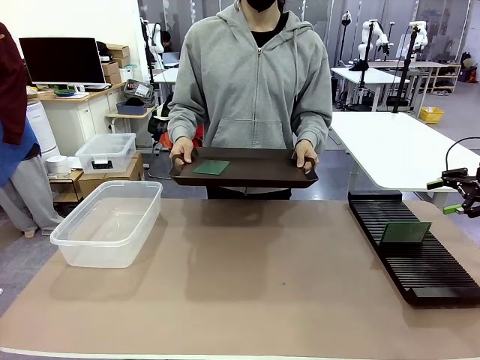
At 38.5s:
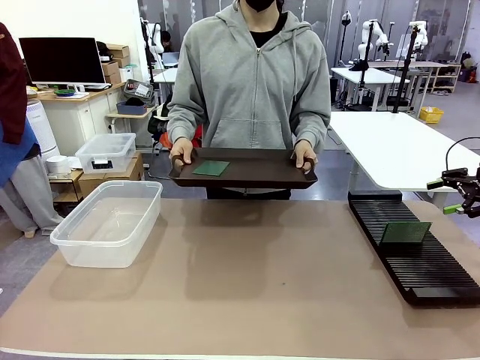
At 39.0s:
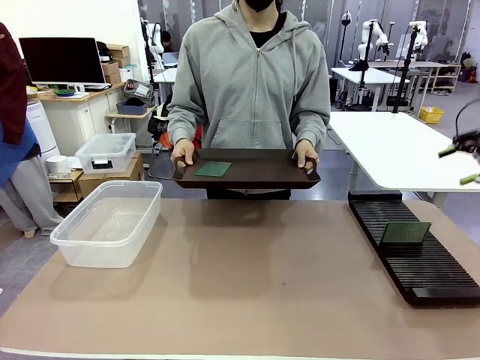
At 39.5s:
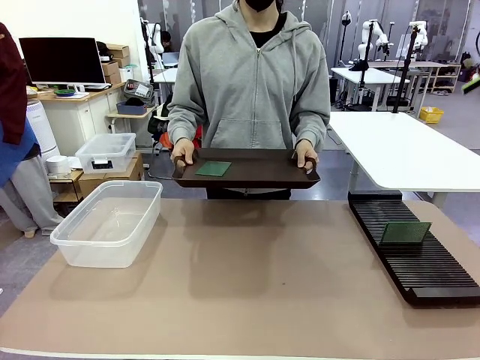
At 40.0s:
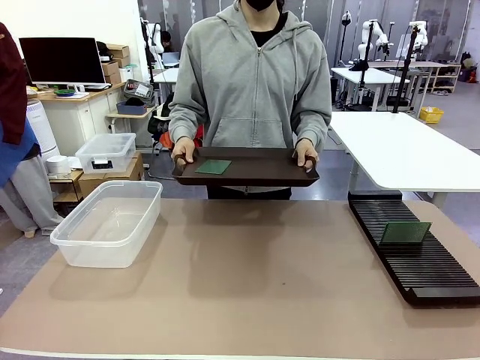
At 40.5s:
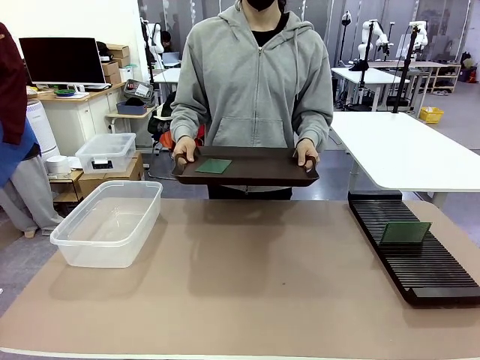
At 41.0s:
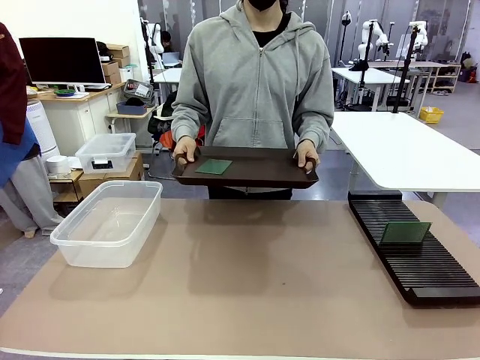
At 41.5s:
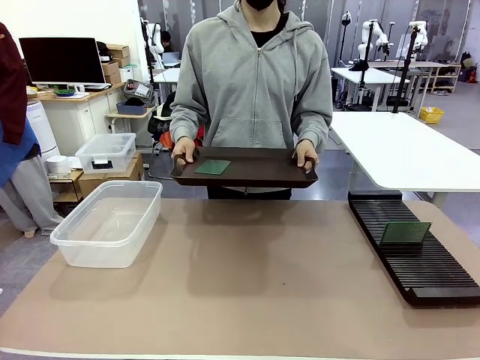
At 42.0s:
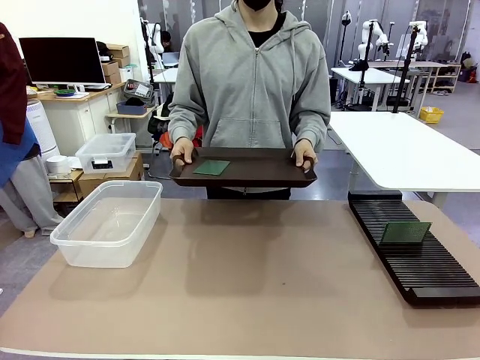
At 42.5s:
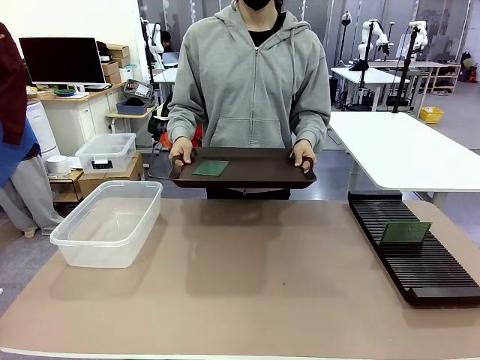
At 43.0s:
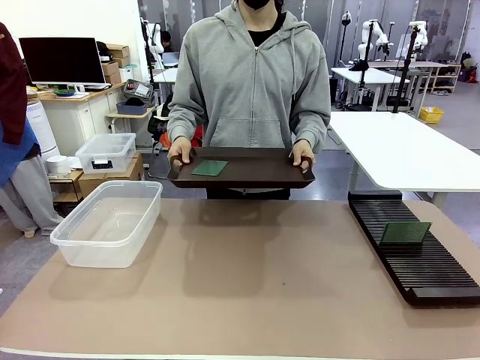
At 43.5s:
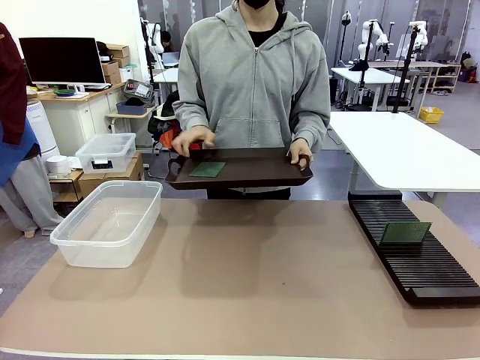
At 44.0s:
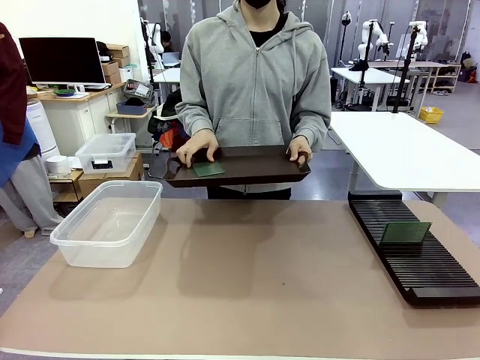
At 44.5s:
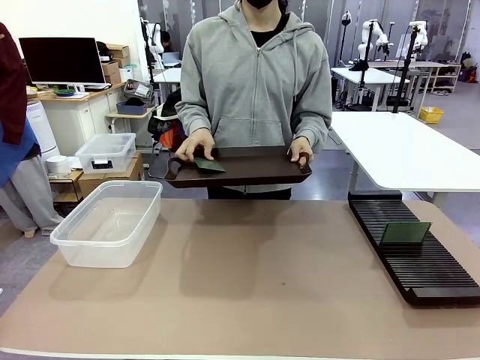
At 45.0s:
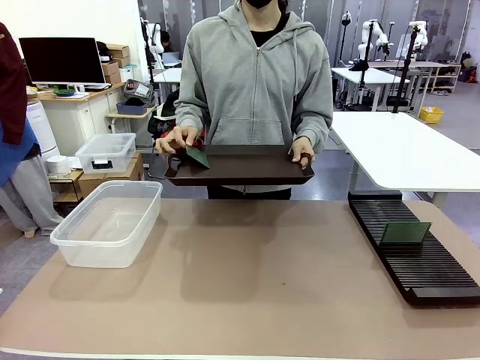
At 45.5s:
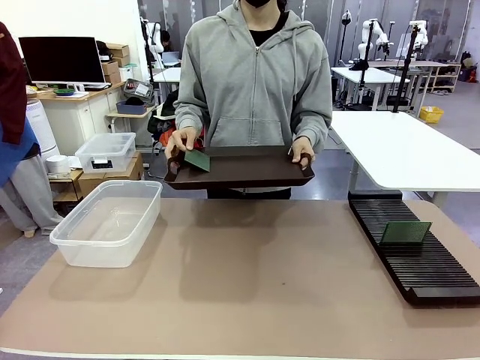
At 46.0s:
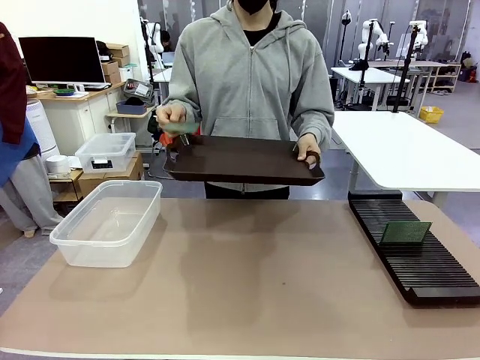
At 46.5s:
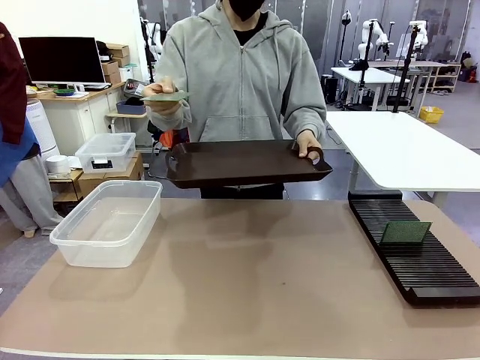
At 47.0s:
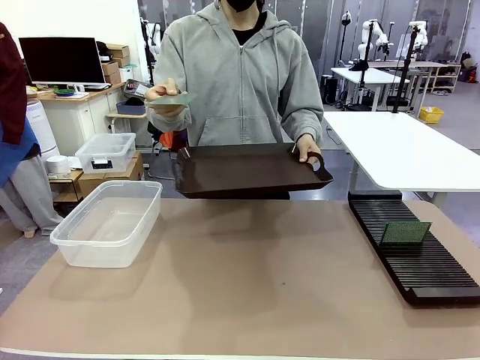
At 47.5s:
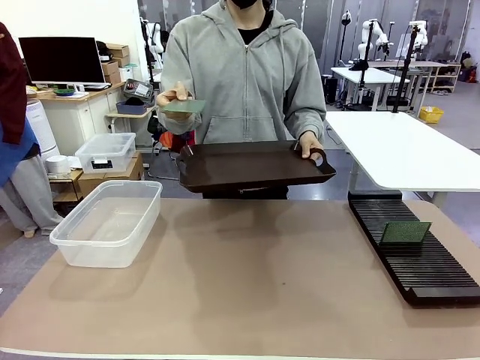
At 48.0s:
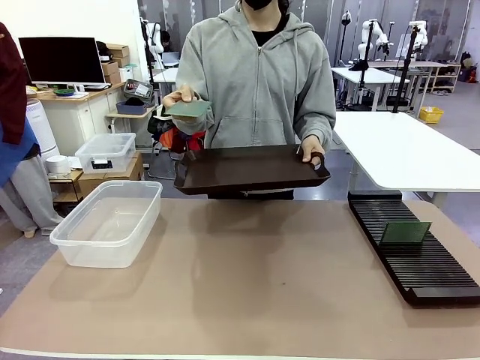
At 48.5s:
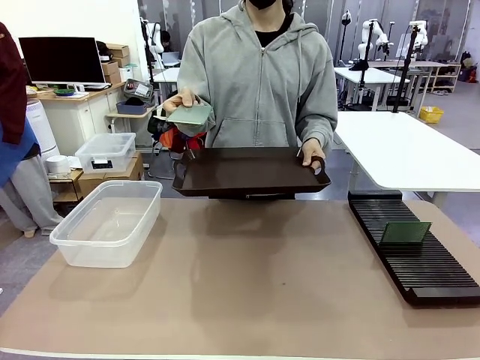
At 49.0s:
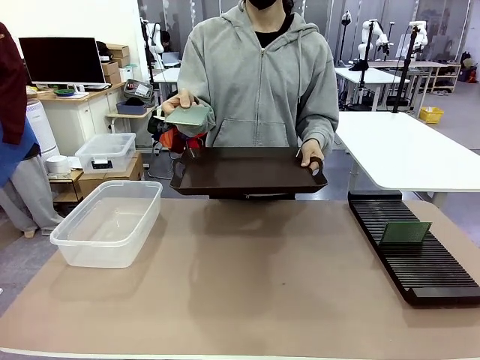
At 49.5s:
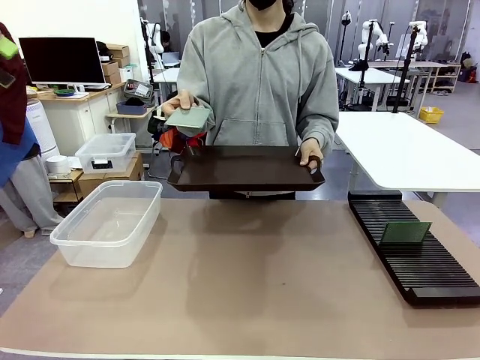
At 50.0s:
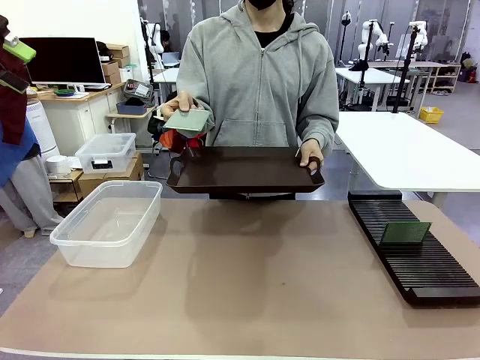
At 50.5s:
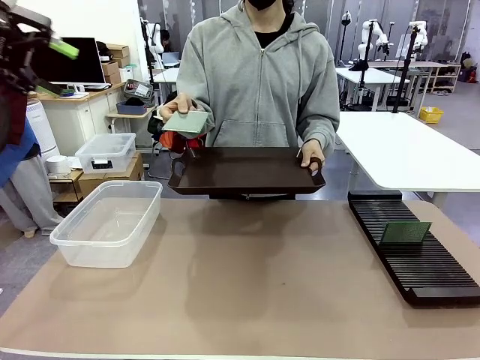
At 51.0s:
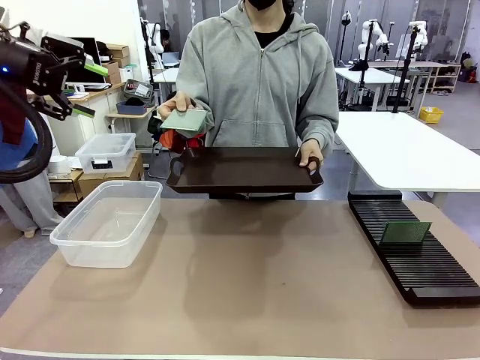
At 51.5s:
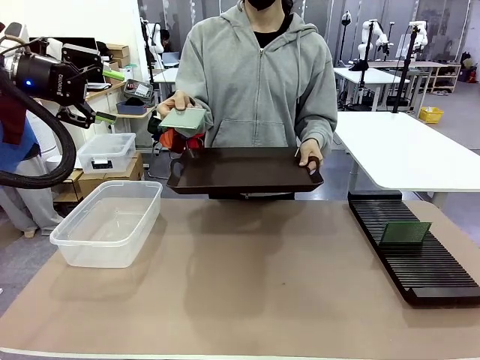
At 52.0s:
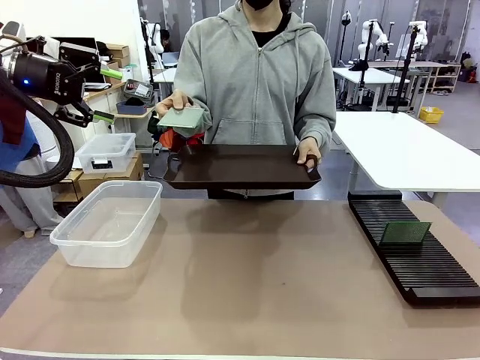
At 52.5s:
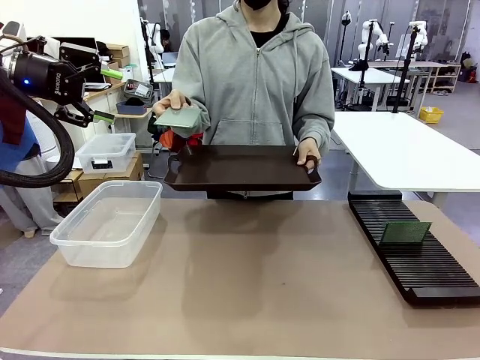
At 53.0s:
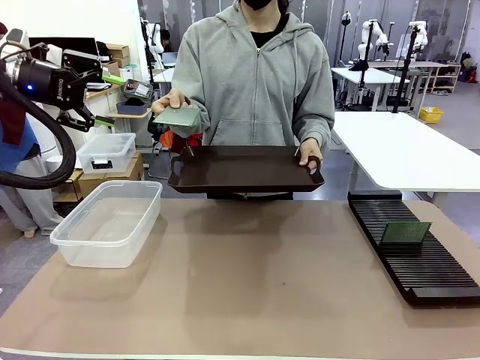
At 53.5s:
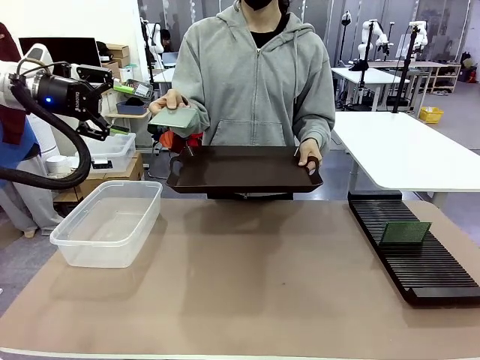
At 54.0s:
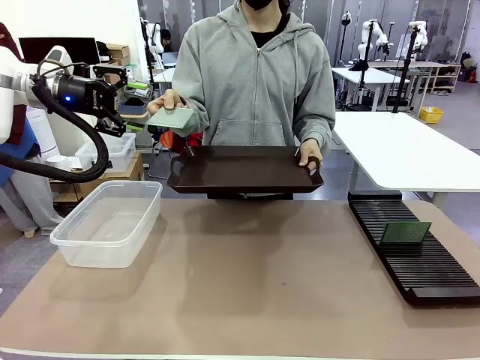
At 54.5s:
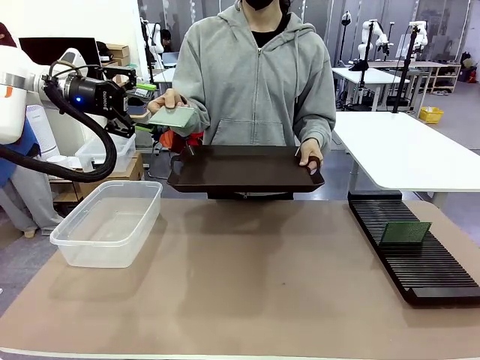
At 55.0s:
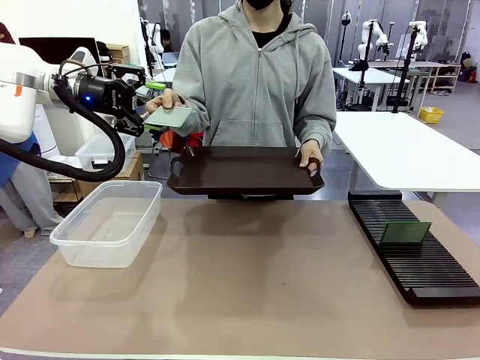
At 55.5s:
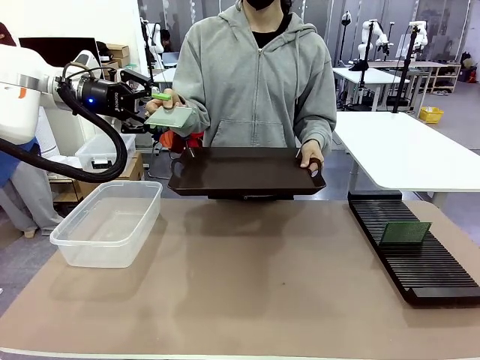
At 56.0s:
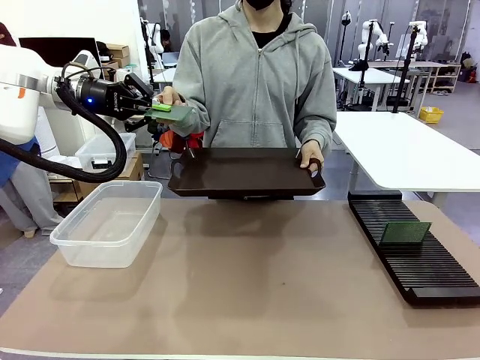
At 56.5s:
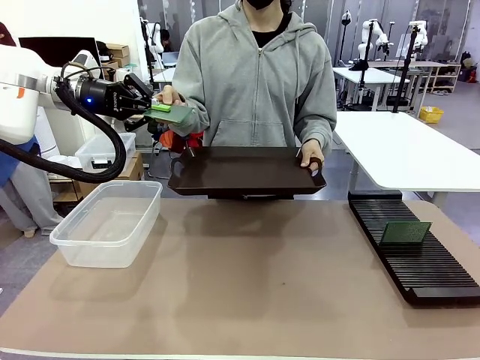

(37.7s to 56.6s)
Task: Sort PCBs into racks and boxes based on the side picked up.
Robot: Pick up the Blank PCB handed by the Human.

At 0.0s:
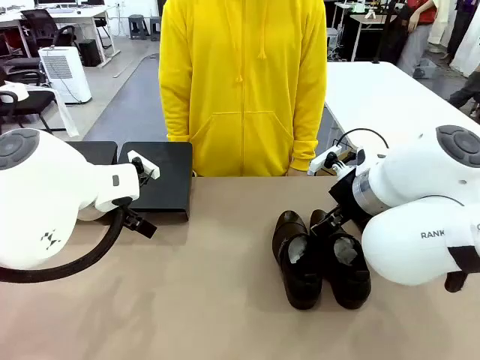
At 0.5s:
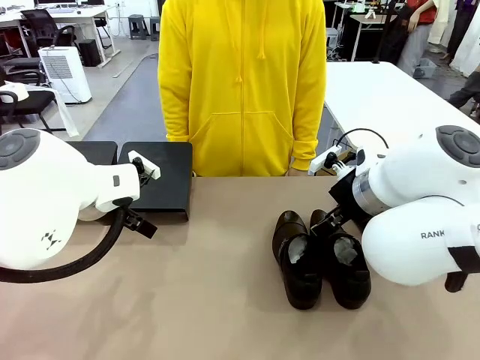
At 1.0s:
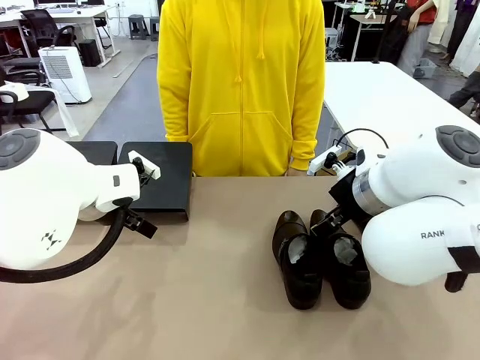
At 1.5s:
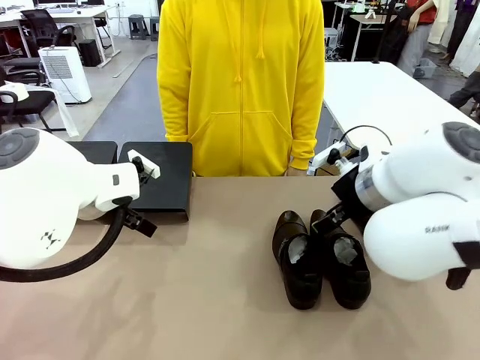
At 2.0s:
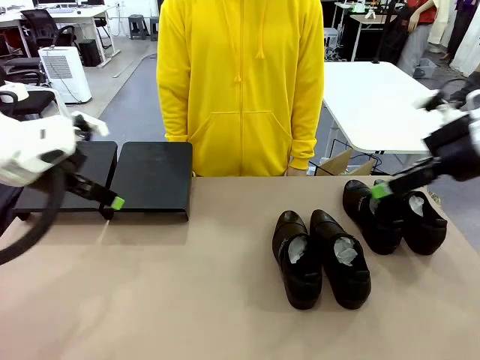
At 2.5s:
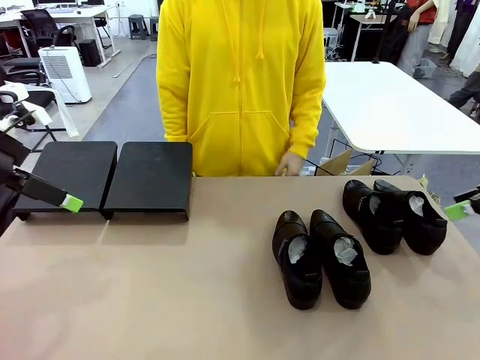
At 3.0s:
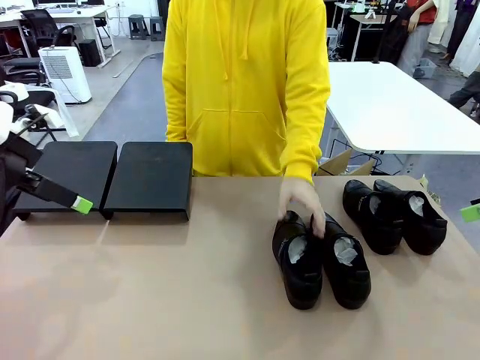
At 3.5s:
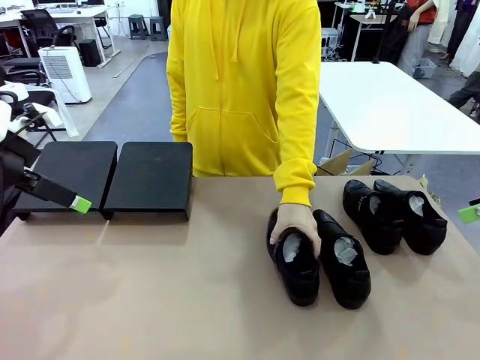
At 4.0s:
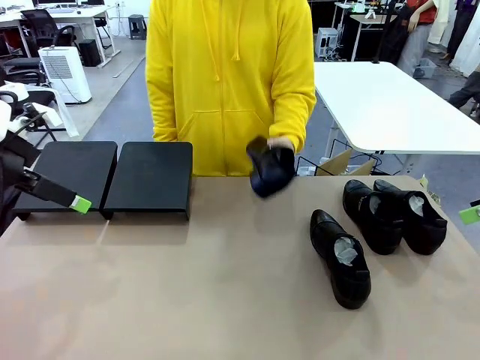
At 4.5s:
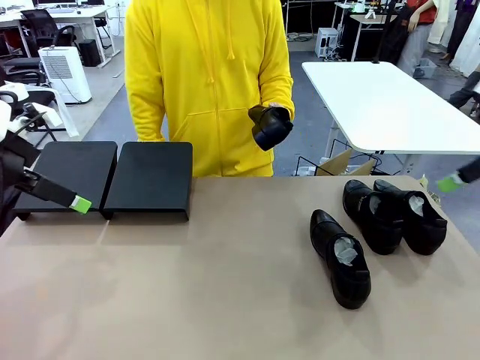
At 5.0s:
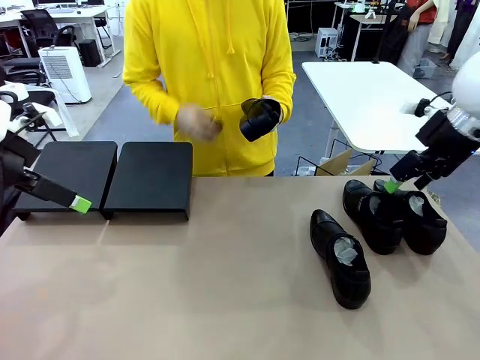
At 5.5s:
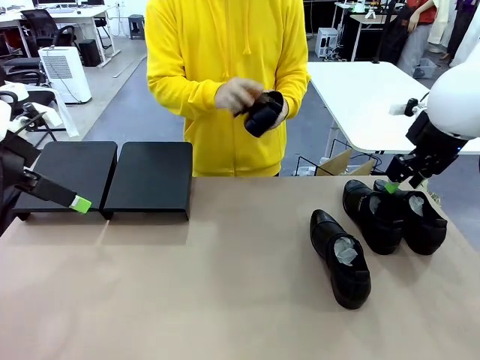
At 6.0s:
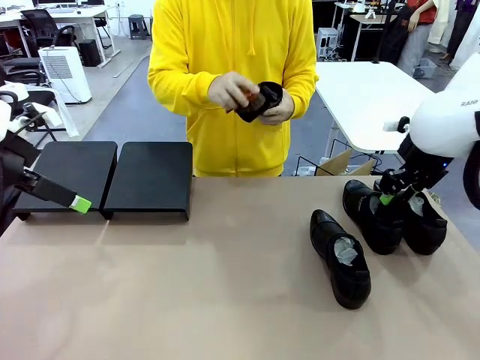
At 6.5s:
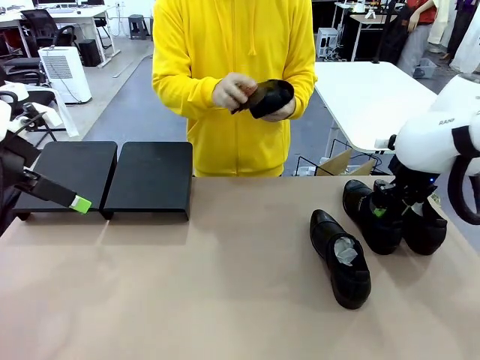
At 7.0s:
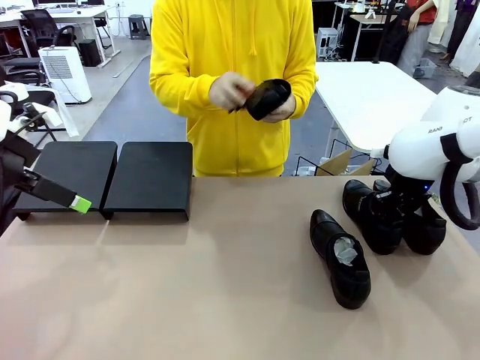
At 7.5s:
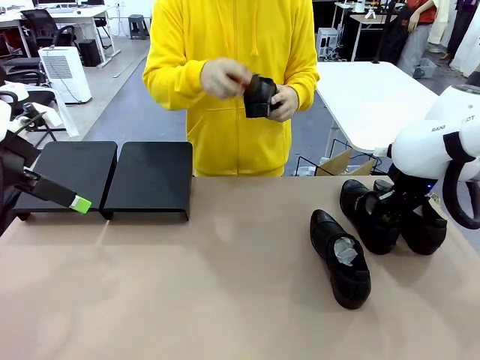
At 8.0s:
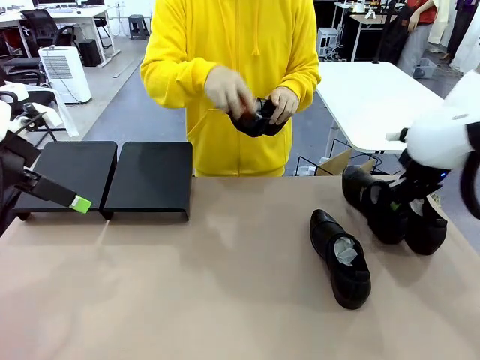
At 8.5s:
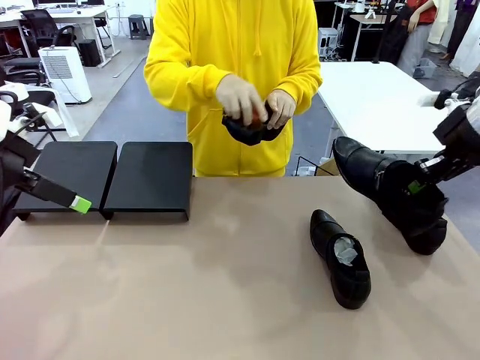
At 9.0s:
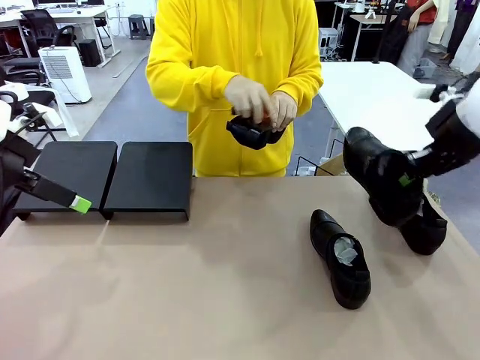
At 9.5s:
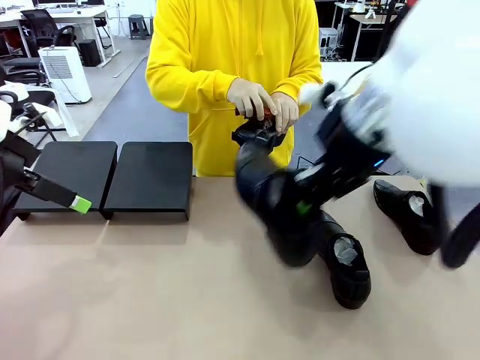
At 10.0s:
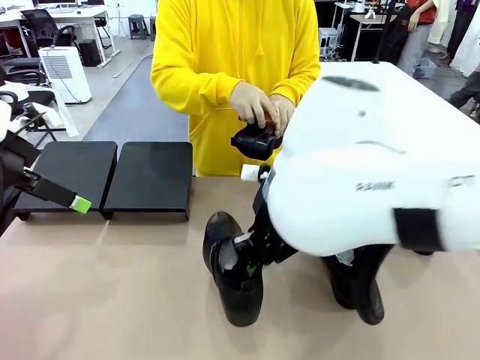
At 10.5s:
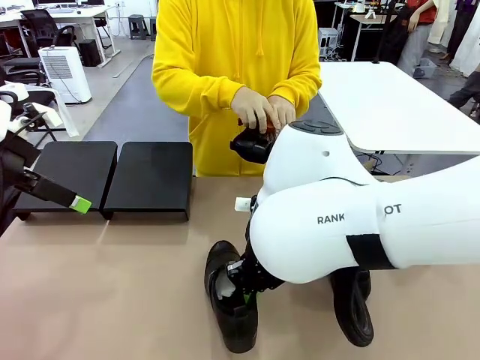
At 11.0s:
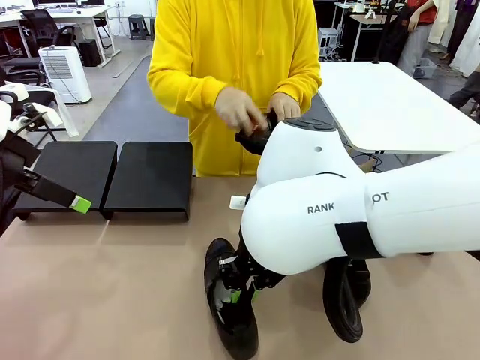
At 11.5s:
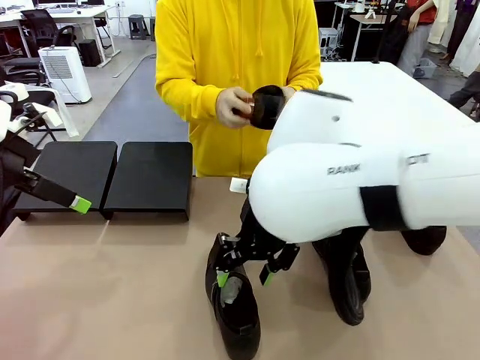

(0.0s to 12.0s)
Task: Organize the shoes by placing them on the stand.
Robot: Pick up one Shoe and place it in the middle of the table.
Person: Pick one Shoe on Robot's table.
